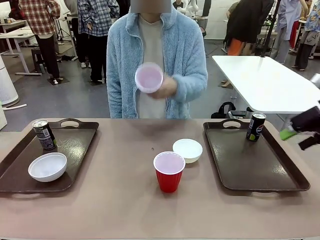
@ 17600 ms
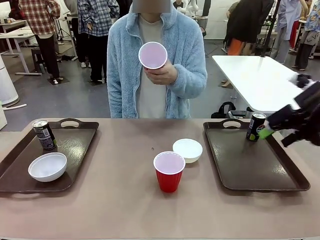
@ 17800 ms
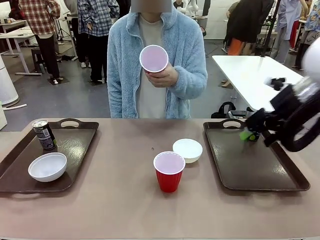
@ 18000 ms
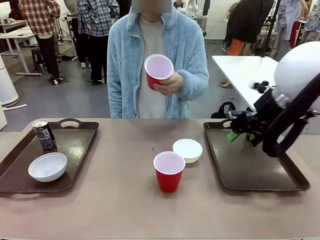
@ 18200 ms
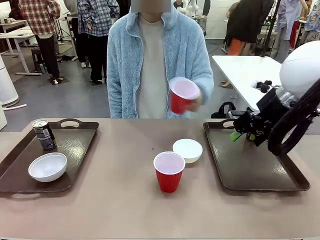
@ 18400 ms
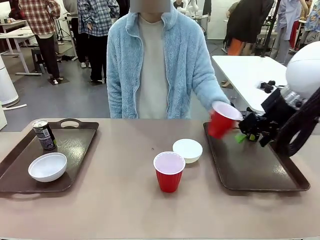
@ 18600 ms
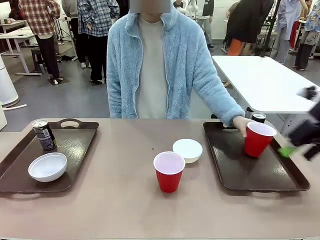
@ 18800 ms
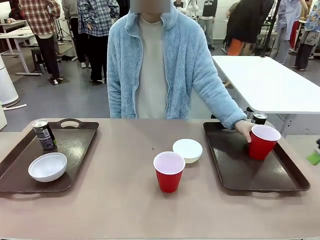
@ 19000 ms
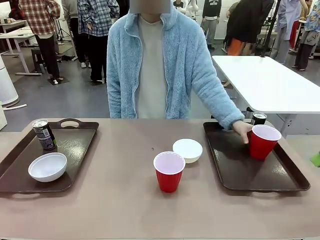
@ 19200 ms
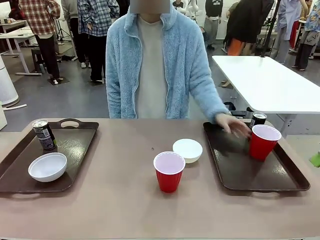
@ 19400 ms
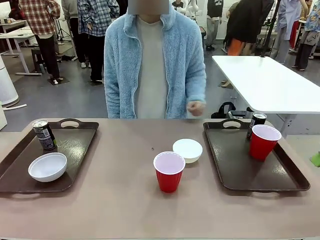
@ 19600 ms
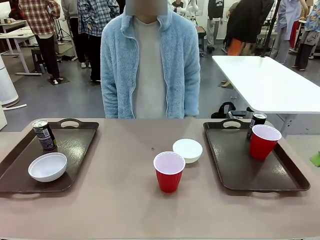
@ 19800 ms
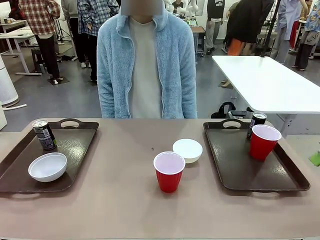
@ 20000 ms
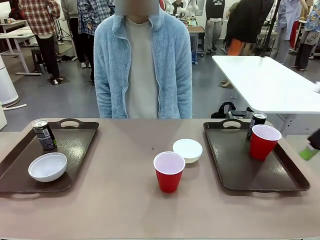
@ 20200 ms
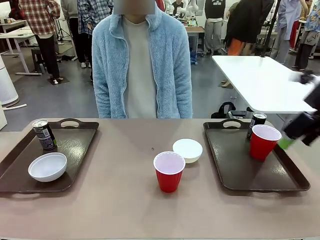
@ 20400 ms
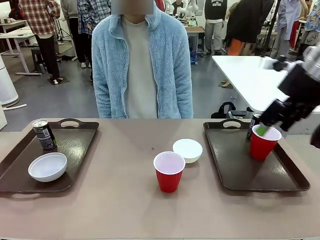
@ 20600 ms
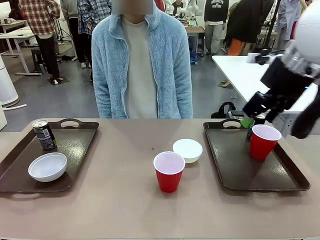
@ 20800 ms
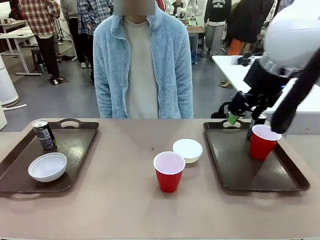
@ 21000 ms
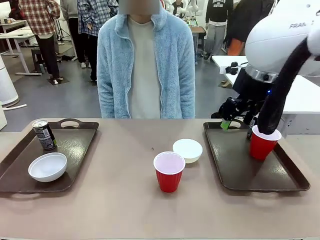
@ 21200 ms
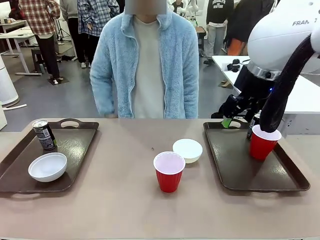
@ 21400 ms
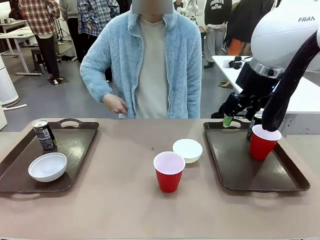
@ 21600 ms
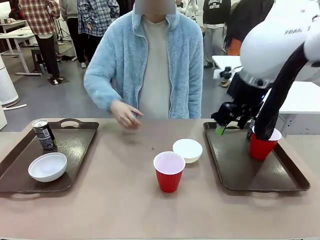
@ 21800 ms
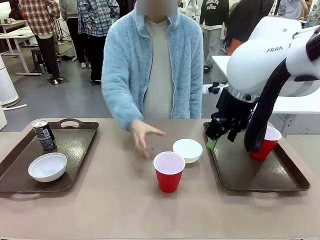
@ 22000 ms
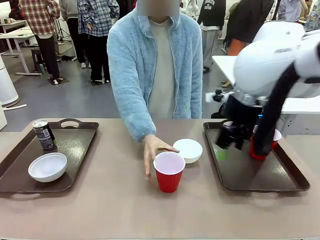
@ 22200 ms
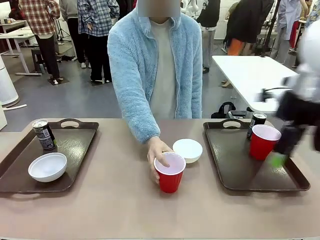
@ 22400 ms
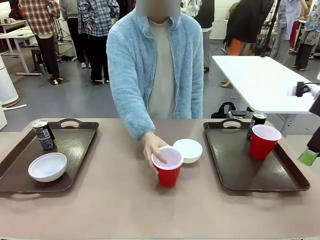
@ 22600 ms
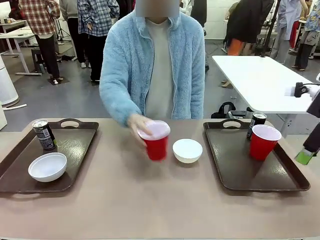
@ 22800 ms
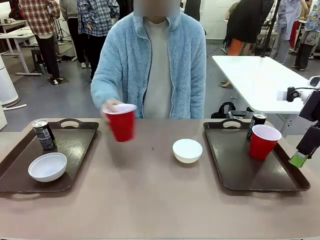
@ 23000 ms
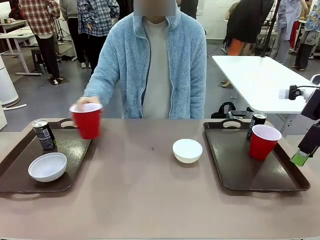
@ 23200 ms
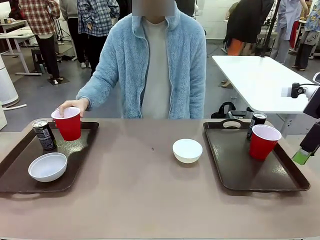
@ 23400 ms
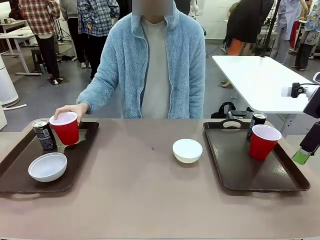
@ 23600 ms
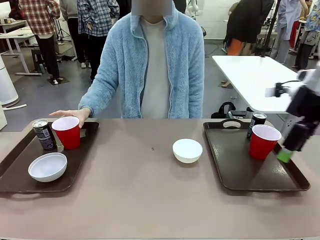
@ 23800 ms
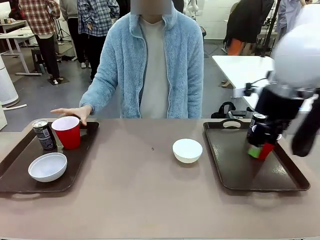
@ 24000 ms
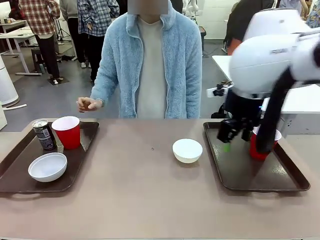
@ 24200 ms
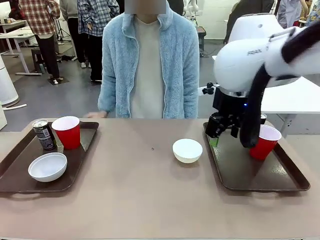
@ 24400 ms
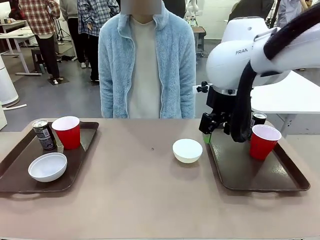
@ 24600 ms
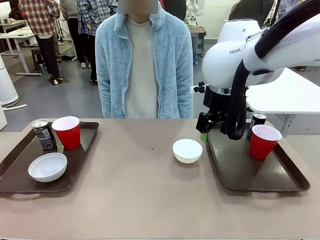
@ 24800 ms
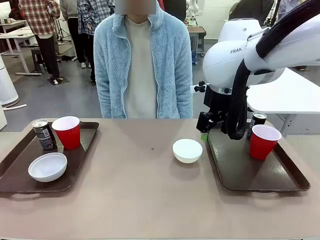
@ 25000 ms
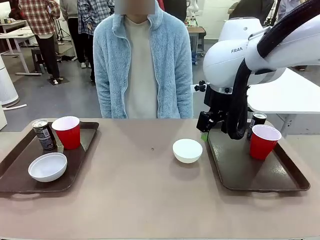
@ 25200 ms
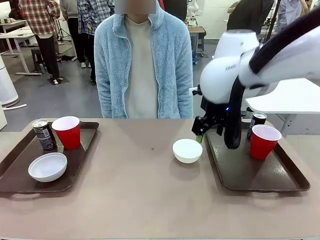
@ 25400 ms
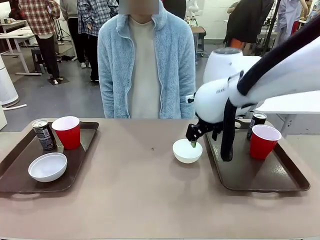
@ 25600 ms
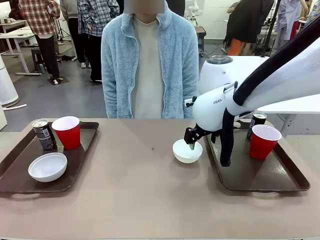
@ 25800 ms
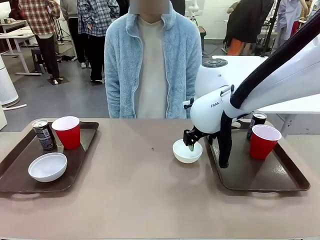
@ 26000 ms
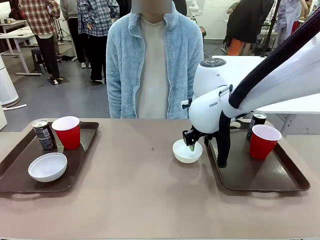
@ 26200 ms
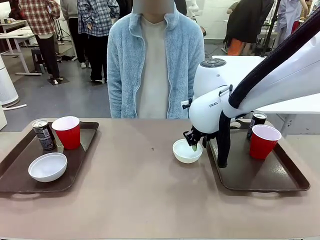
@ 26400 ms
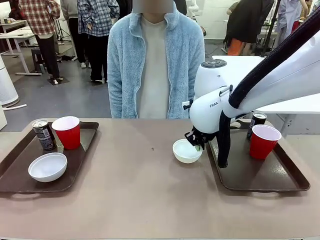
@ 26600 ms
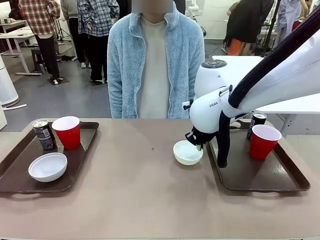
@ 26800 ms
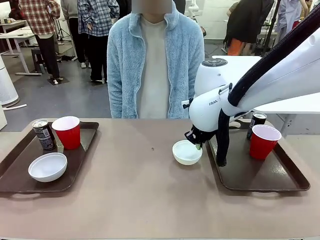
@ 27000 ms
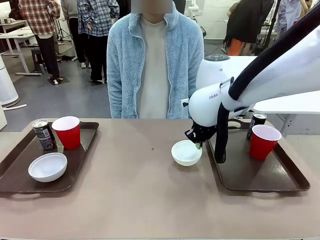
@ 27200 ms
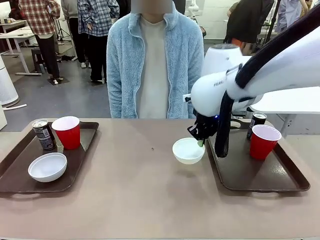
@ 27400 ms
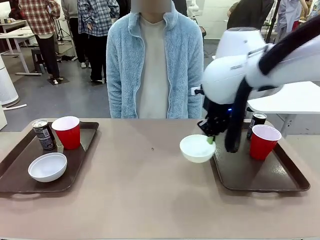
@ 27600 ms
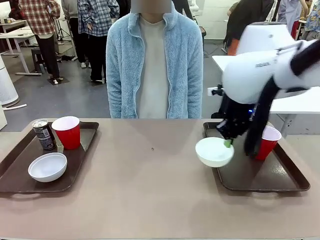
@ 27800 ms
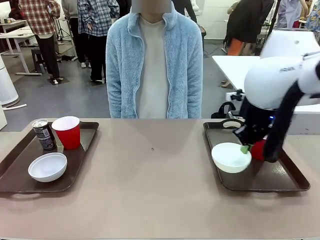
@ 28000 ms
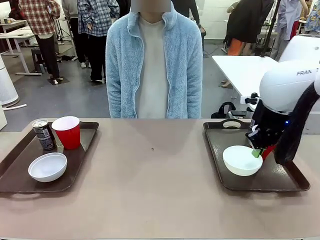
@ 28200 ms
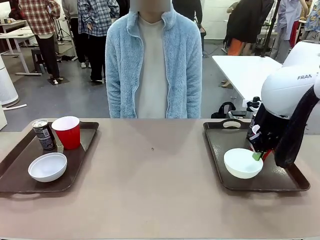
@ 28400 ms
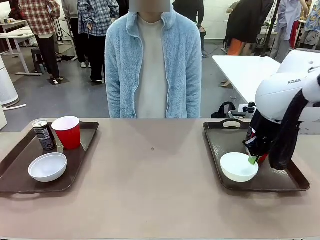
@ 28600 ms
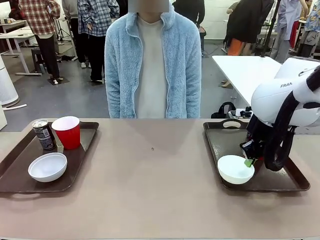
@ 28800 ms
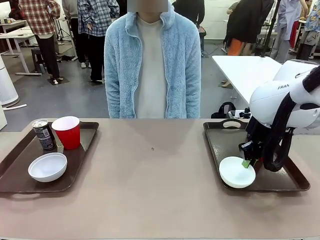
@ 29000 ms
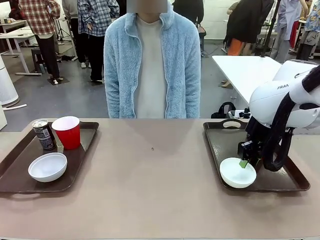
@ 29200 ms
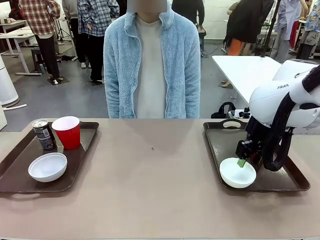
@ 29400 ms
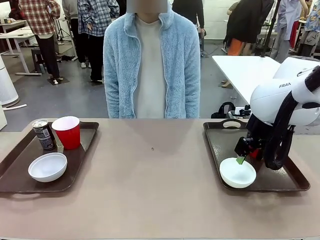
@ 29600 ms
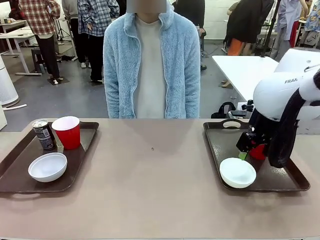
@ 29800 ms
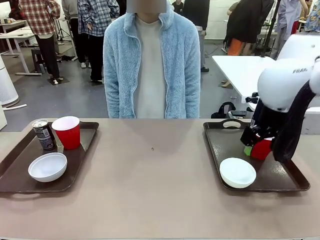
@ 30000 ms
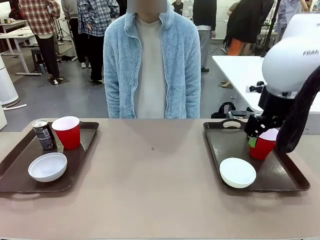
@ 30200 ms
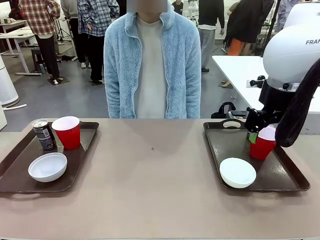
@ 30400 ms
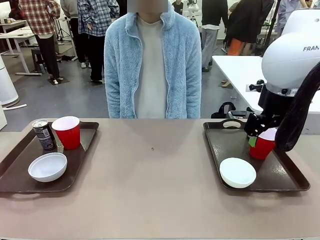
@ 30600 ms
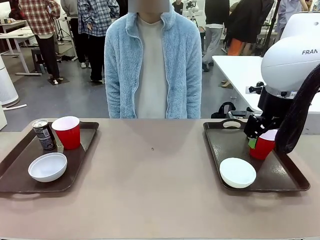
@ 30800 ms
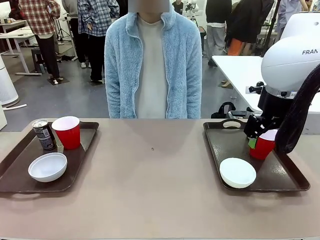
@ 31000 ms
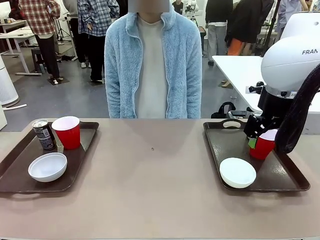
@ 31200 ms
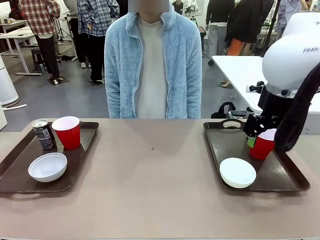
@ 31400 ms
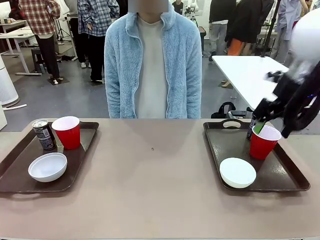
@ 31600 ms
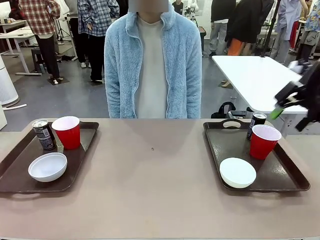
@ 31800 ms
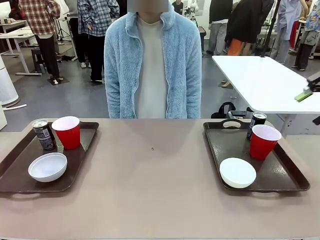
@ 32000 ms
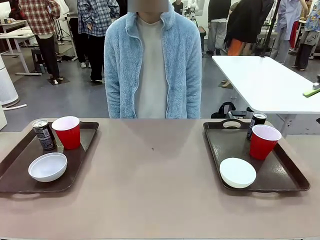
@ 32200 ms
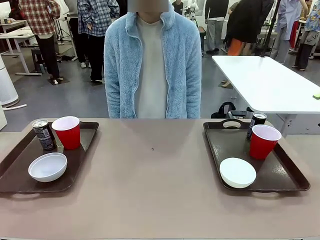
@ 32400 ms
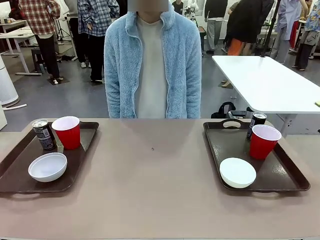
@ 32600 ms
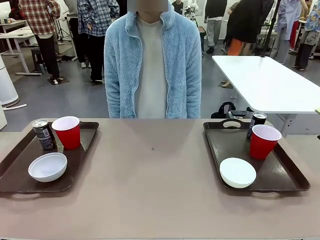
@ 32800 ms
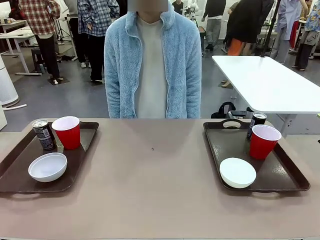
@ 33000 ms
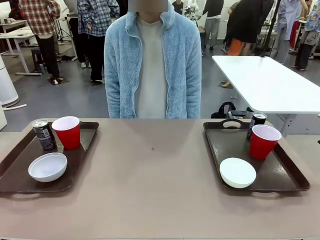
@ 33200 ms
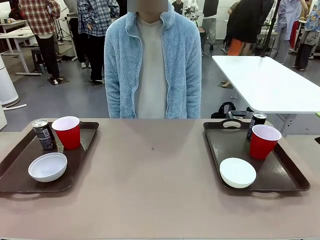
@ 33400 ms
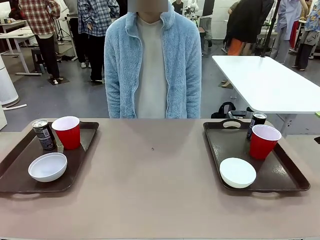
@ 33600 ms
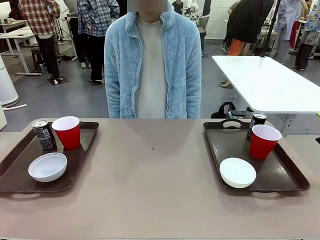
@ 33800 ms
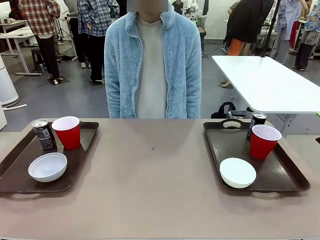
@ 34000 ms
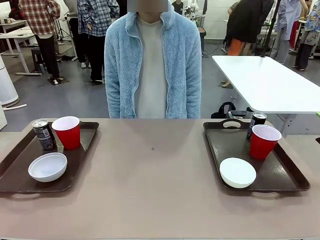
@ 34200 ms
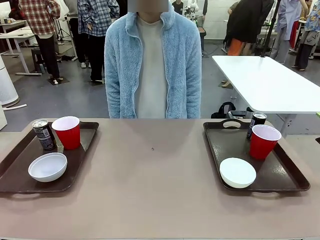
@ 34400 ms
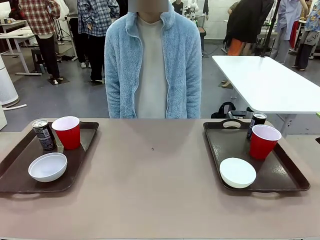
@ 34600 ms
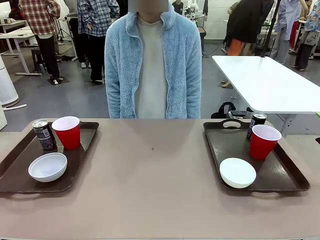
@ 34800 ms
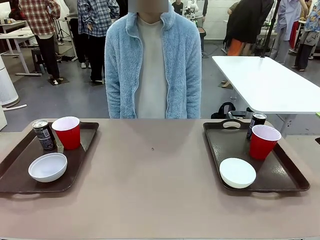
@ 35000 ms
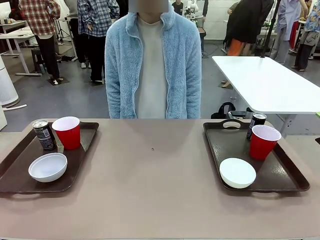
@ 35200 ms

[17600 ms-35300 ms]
Task: Prepare tableware on both trays.
Robot: Pick up a Picnic Bowl from the table and place it on a Handle tray.
Person: Pick up a can or cup and place it on the tray without a can or cup.
